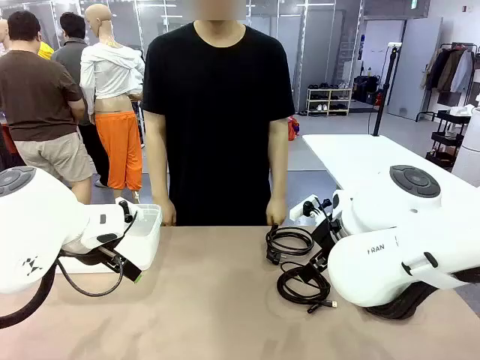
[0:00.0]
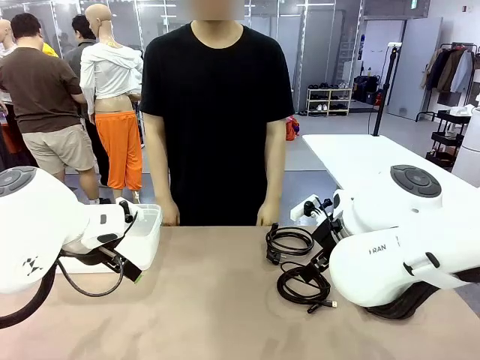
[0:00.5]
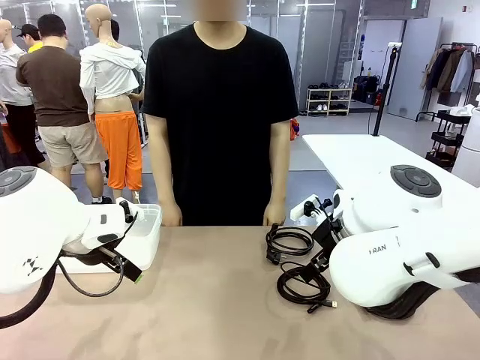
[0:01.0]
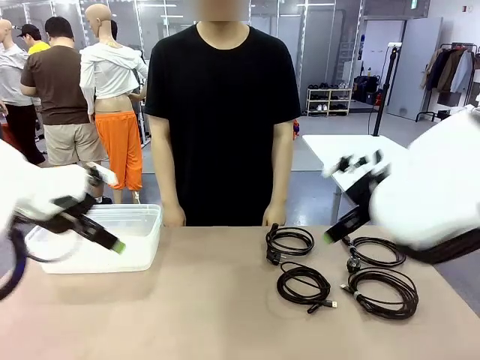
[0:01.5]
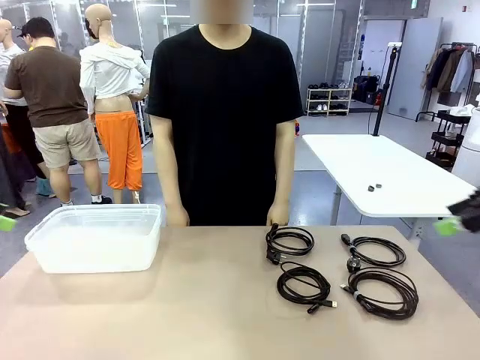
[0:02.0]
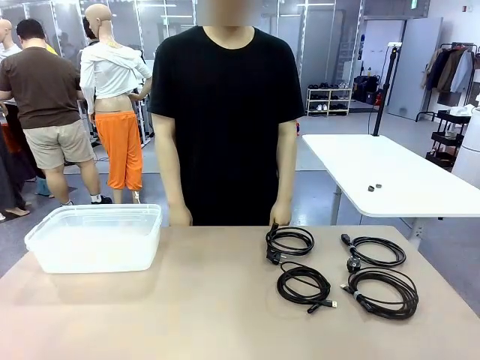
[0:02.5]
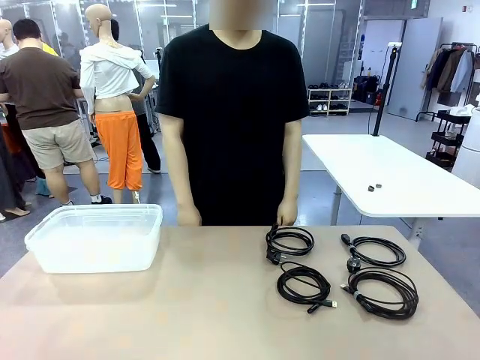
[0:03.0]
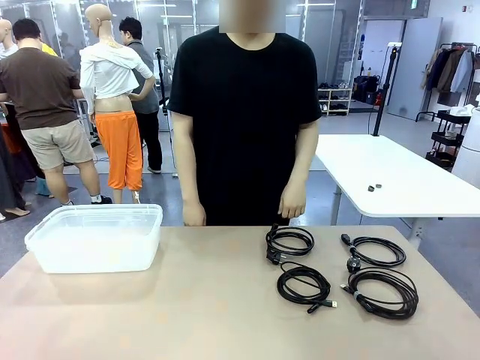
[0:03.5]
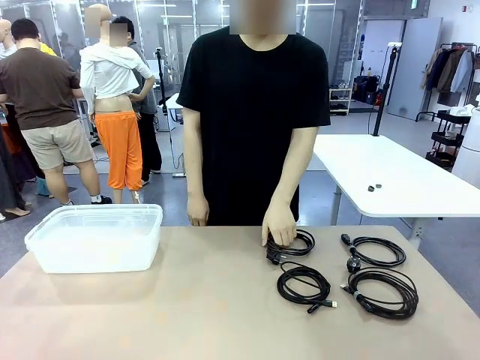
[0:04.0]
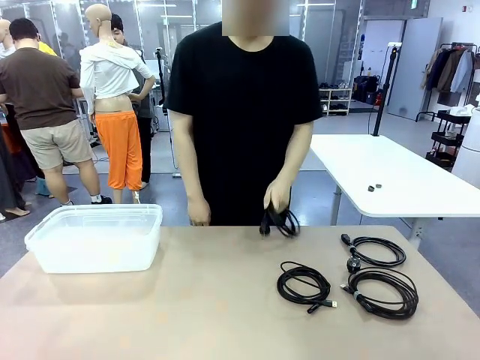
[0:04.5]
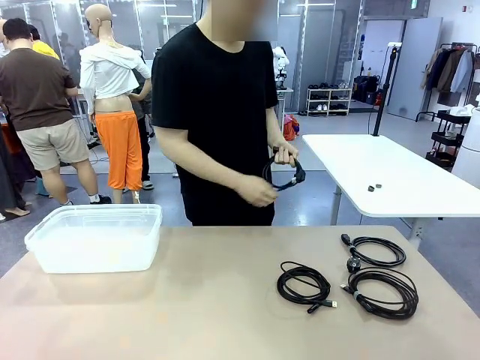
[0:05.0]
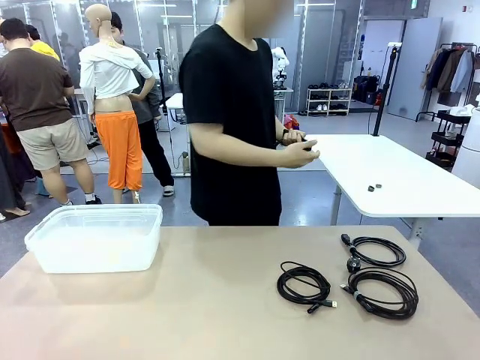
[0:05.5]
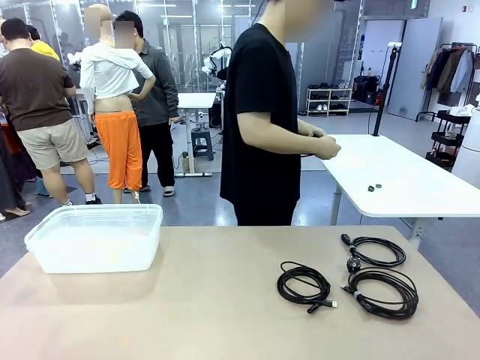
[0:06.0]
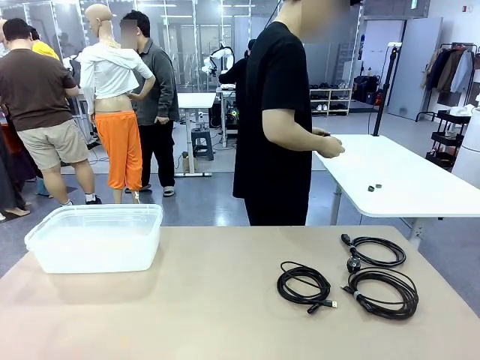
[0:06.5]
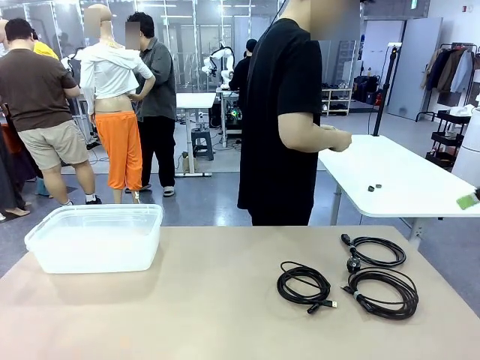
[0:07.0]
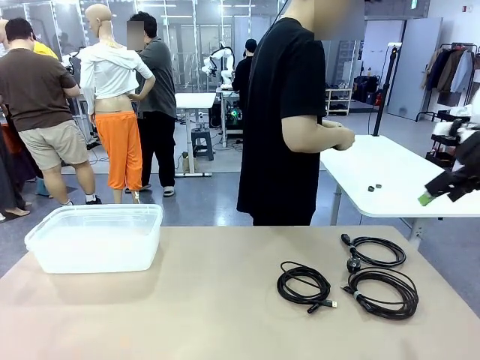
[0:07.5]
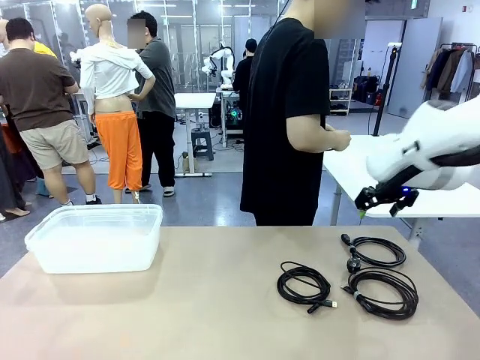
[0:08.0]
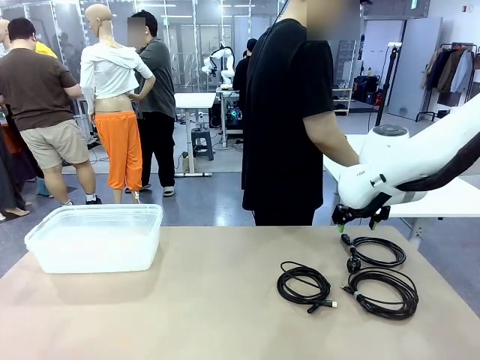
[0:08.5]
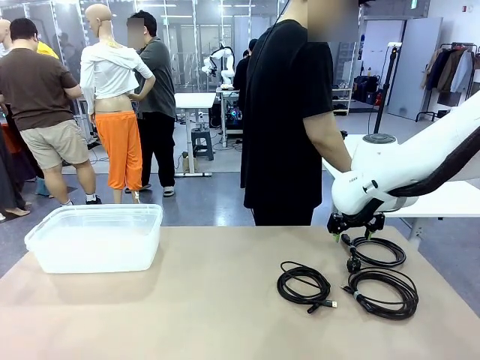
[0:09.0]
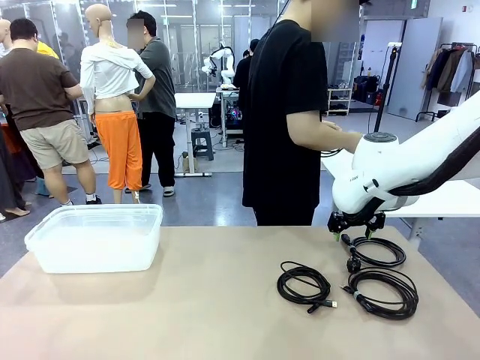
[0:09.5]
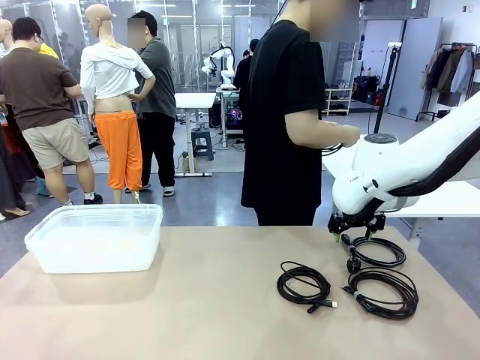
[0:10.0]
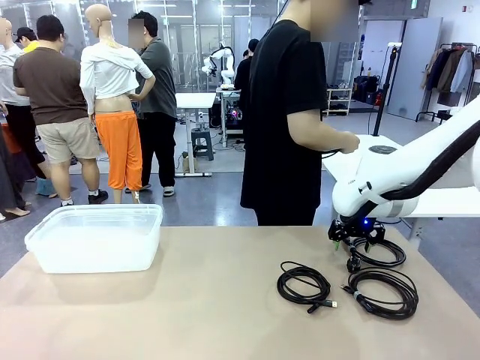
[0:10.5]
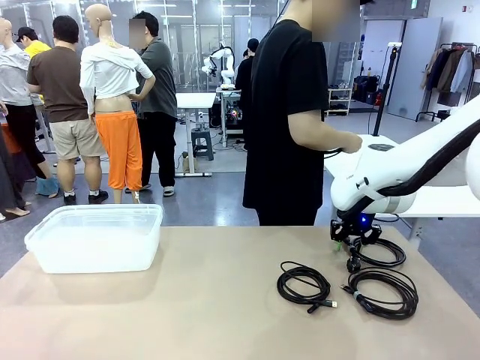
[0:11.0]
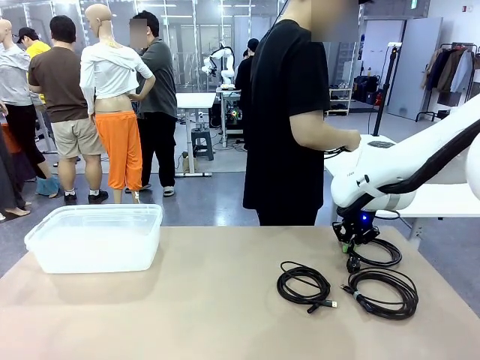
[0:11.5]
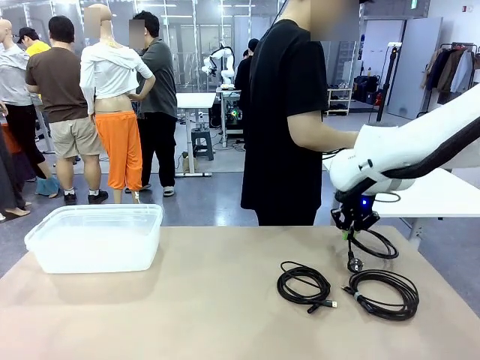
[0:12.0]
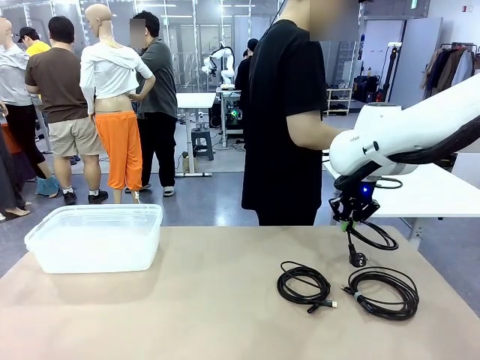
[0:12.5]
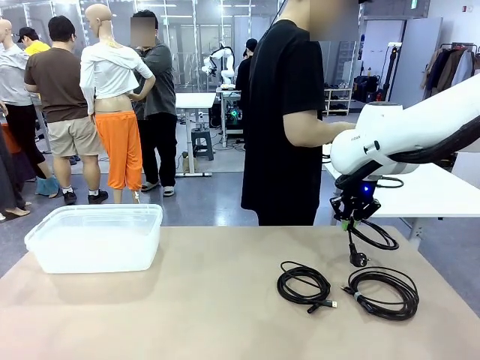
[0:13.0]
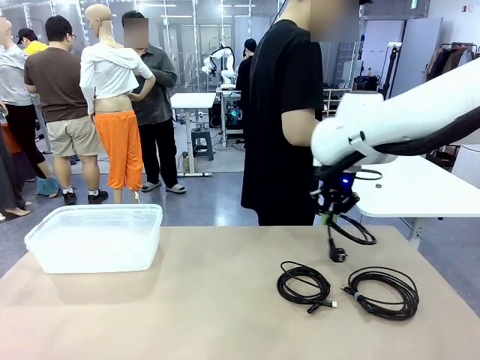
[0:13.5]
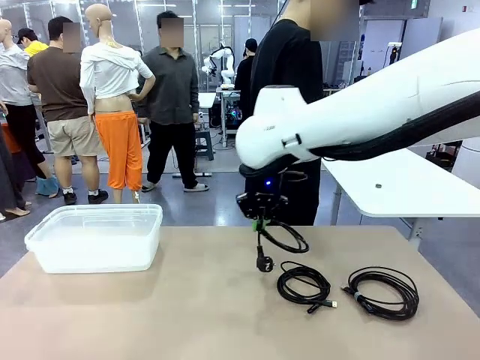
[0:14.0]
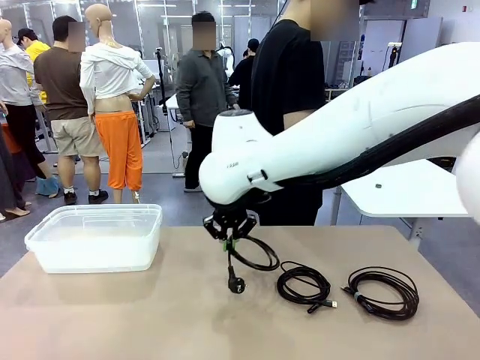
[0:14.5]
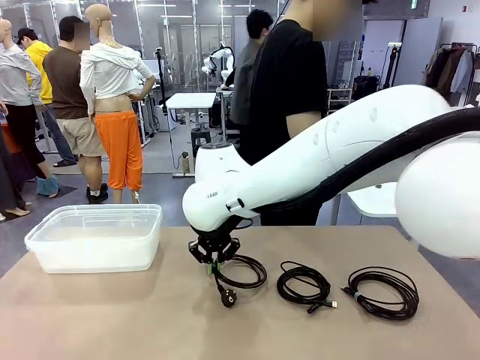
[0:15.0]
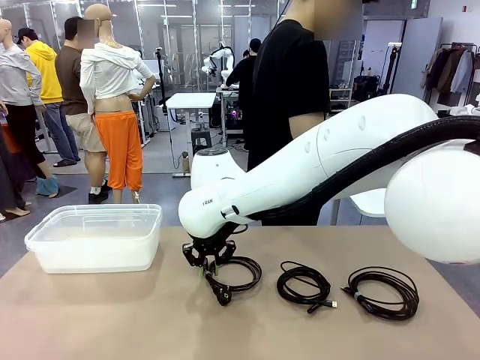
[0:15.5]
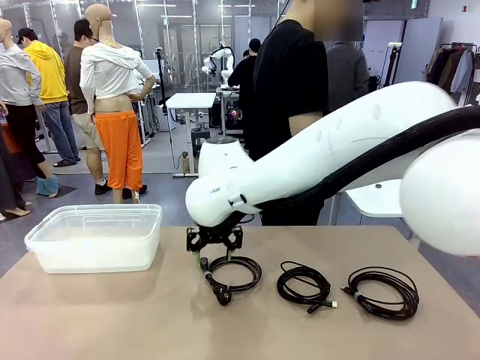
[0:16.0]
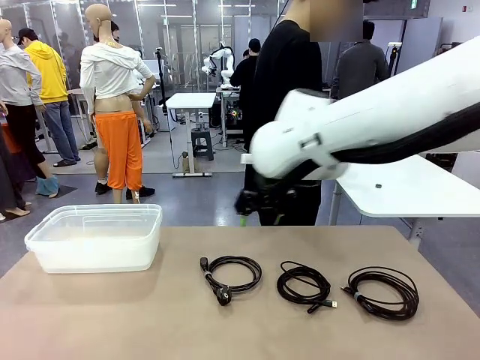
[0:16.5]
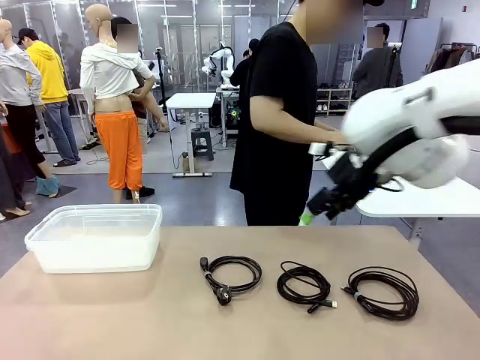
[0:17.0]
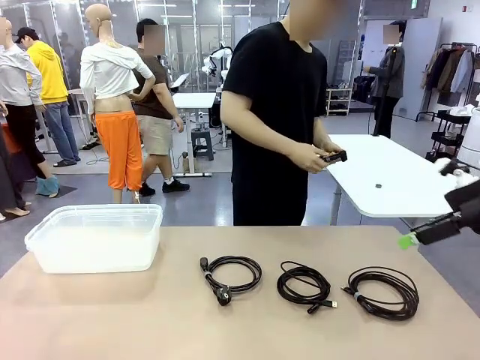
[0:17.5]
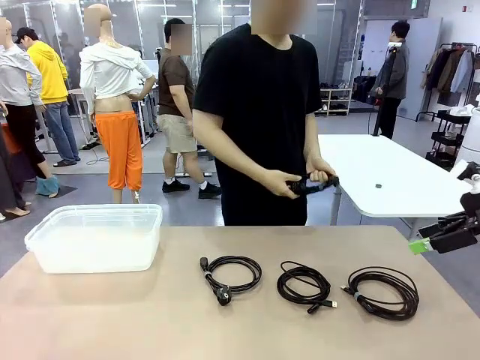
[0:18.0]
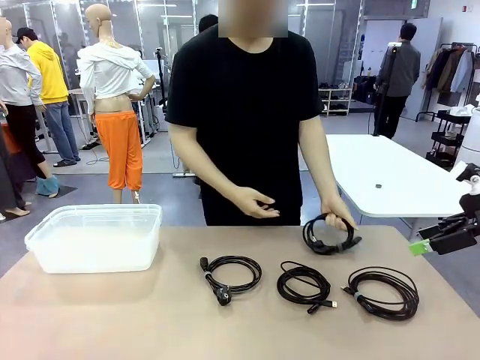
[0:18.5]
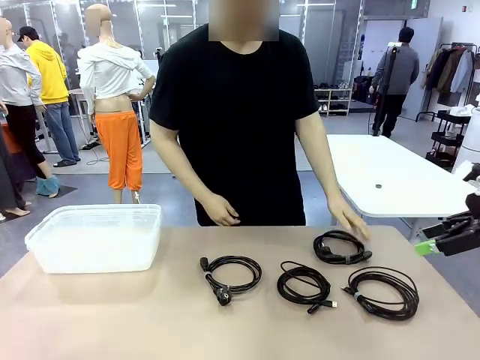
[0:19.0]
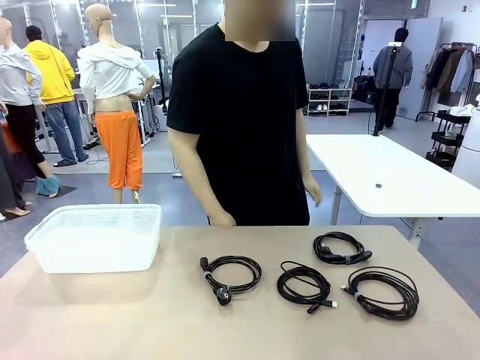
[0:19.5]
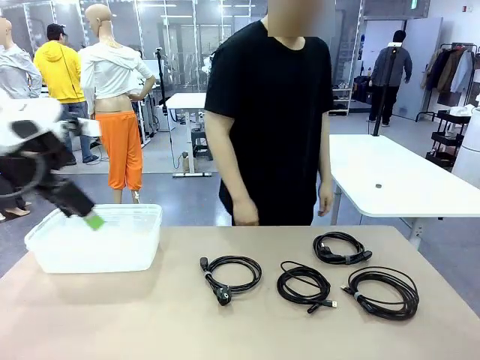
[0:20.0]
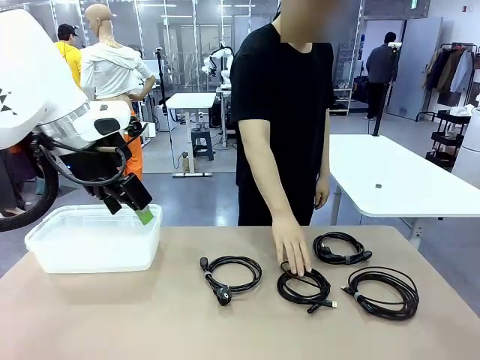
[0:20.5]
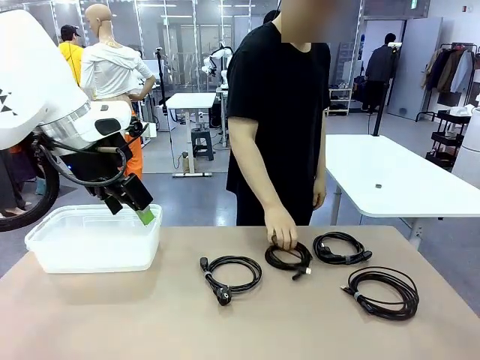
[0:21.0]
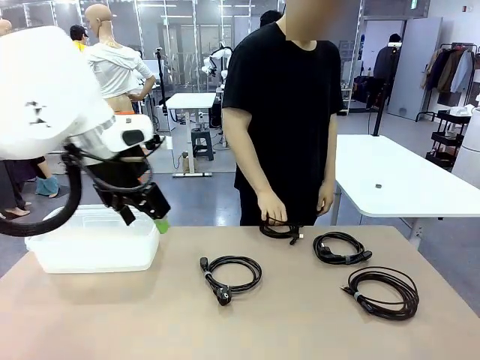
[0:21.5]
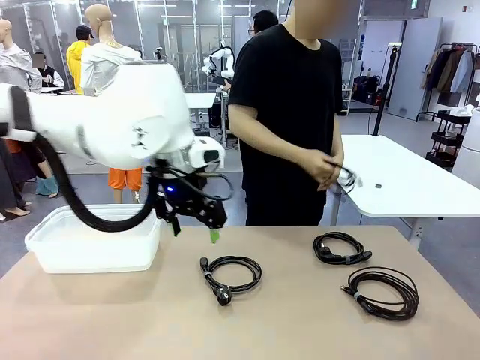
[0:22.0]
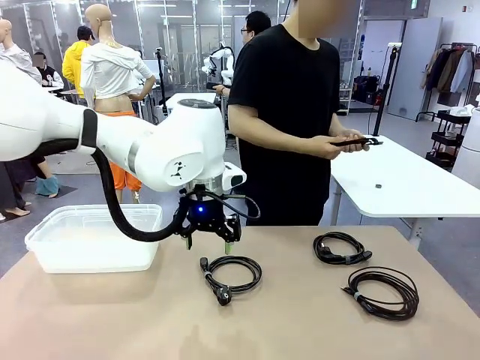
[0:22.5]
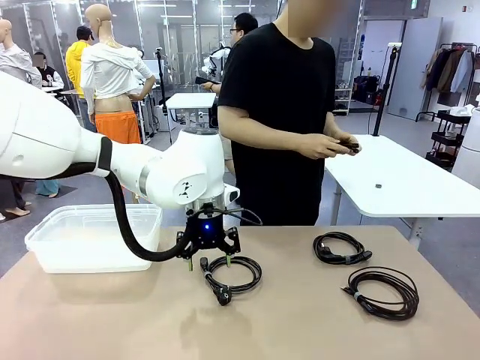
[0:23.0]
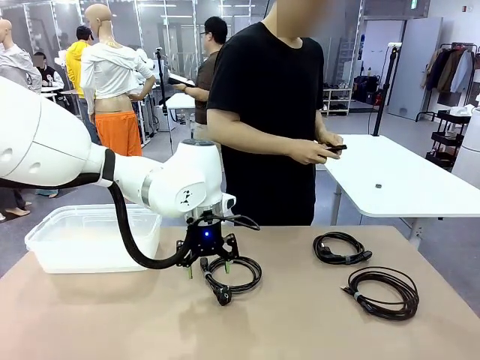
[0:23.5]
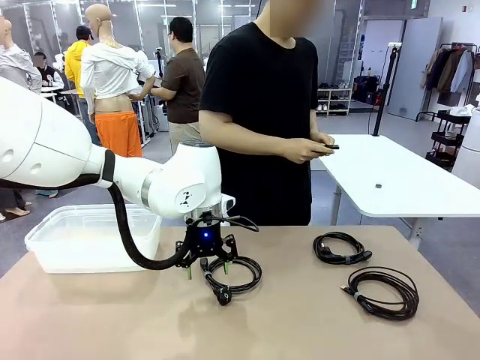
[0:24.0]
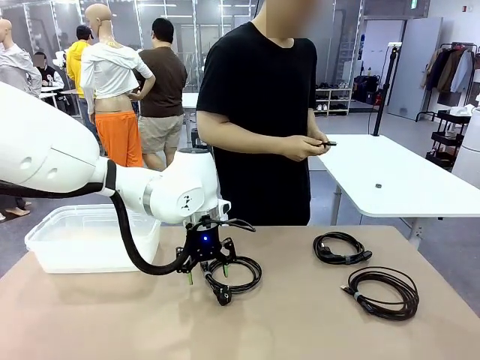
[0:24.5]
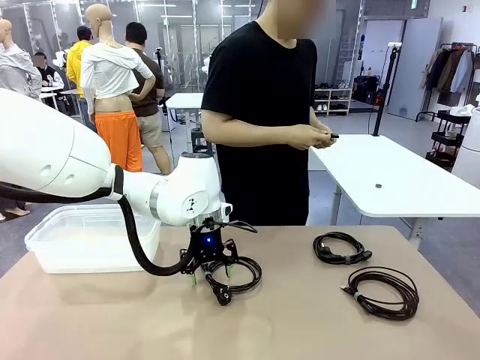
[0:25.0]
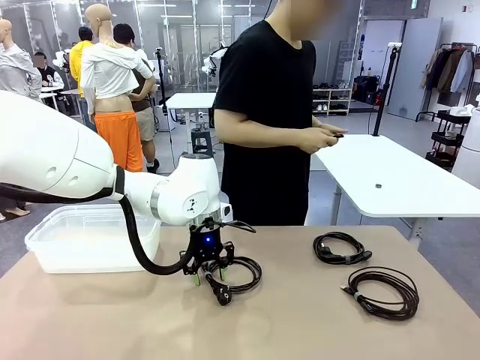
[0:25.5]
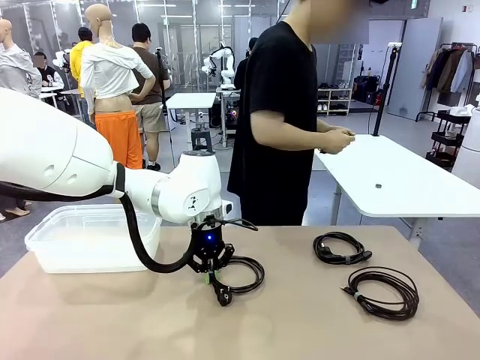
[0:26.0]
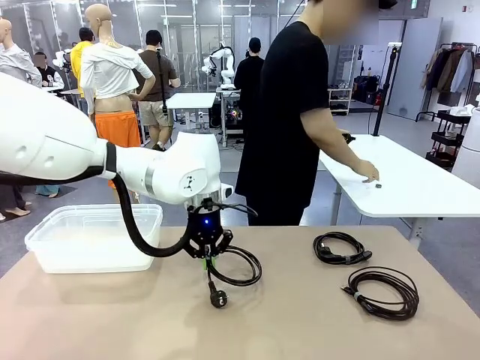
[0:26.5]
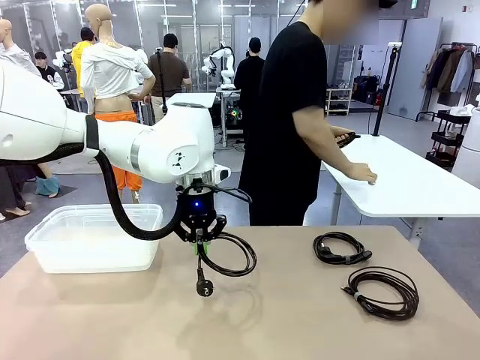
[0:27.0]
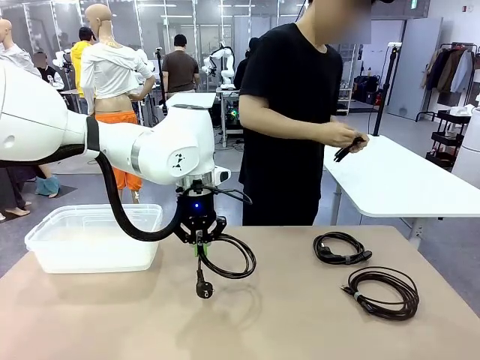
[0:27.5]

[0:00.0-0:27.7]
Task: Organize and store the cables.
Robot: Place the Power Cable into the Organizing box.
Person: Tie one Power Cable with a Reusable Cable Tie.
